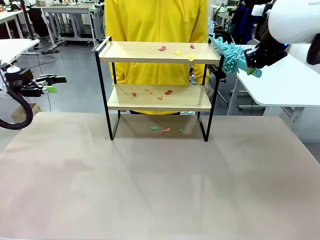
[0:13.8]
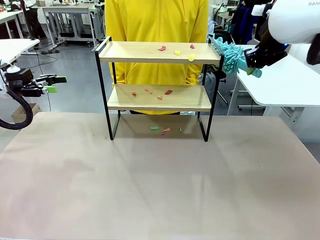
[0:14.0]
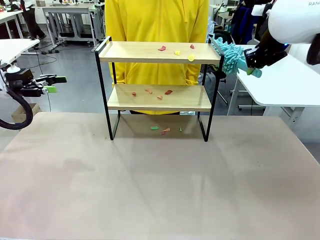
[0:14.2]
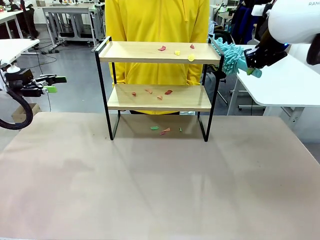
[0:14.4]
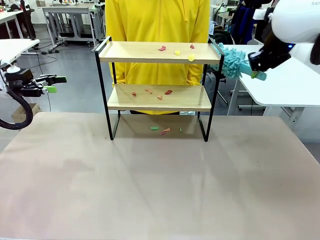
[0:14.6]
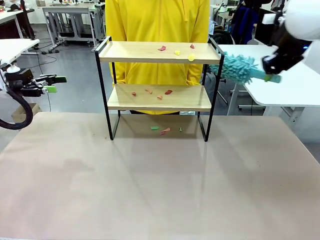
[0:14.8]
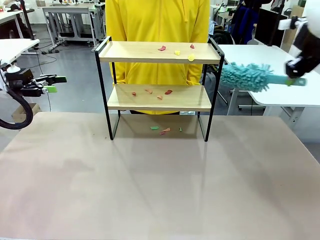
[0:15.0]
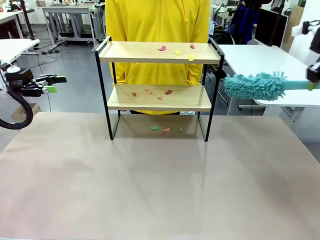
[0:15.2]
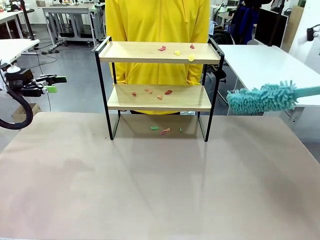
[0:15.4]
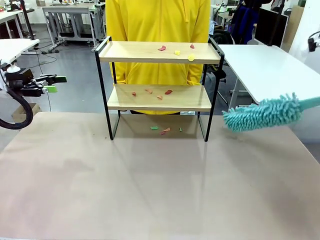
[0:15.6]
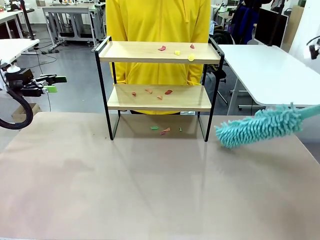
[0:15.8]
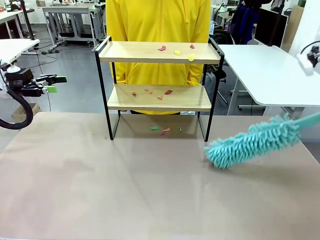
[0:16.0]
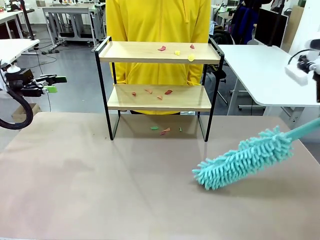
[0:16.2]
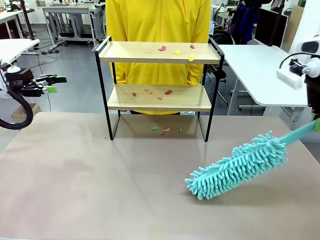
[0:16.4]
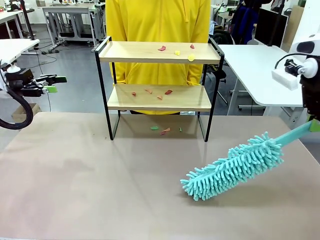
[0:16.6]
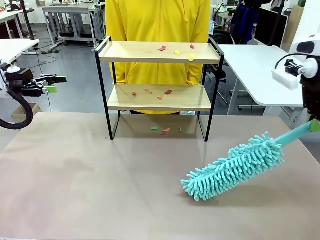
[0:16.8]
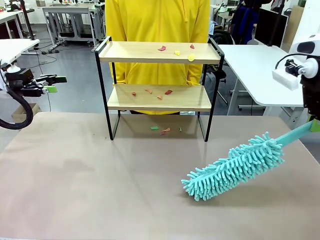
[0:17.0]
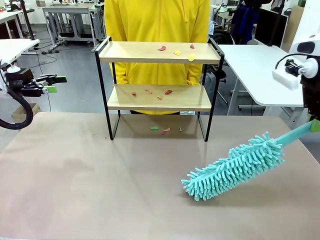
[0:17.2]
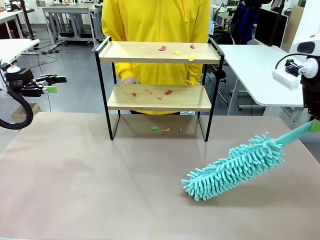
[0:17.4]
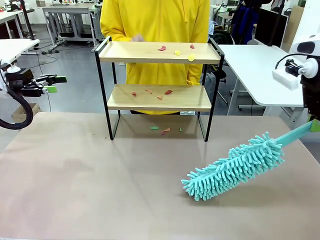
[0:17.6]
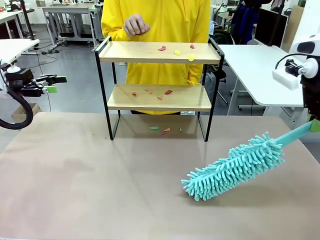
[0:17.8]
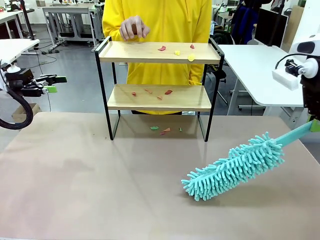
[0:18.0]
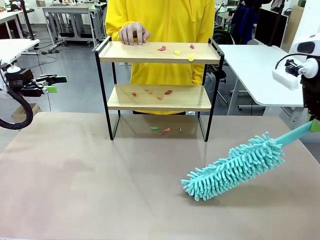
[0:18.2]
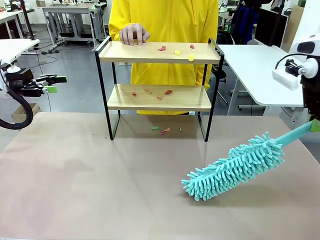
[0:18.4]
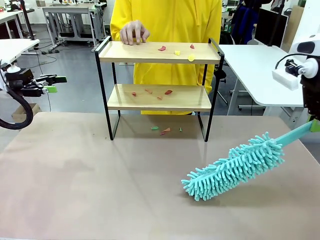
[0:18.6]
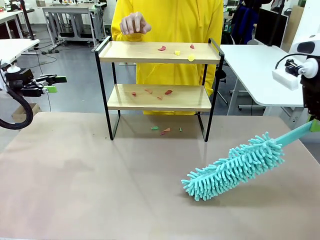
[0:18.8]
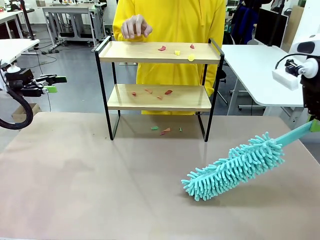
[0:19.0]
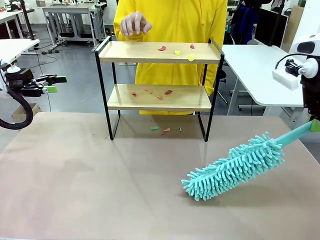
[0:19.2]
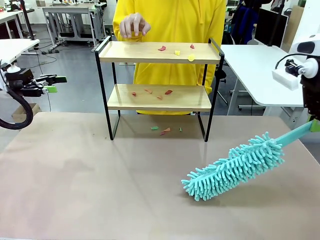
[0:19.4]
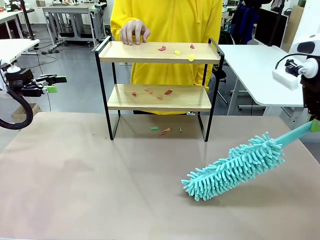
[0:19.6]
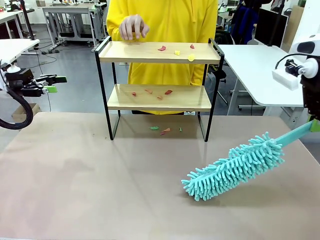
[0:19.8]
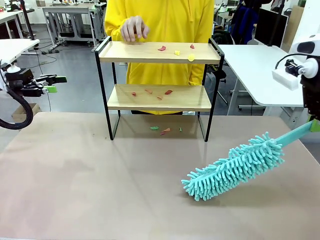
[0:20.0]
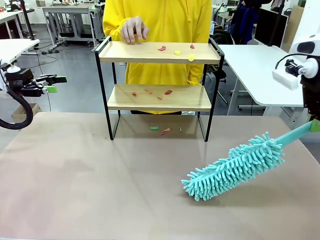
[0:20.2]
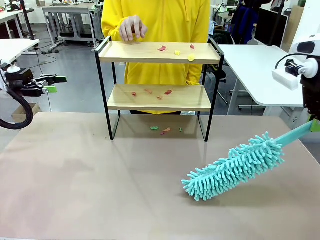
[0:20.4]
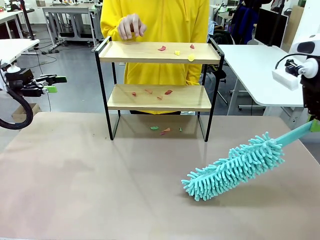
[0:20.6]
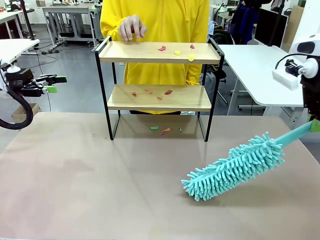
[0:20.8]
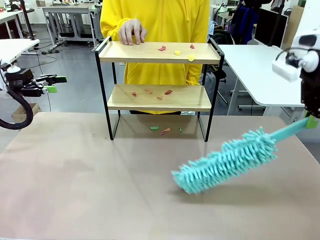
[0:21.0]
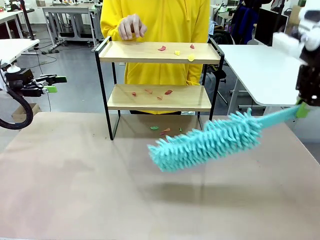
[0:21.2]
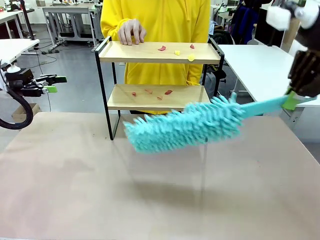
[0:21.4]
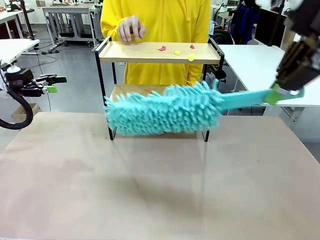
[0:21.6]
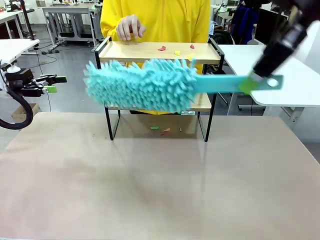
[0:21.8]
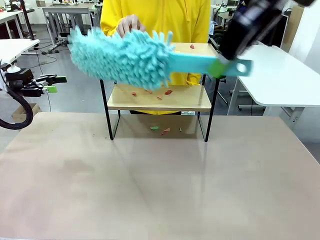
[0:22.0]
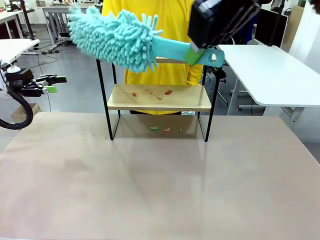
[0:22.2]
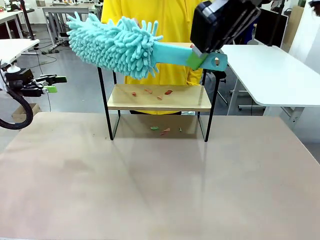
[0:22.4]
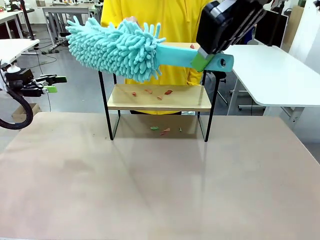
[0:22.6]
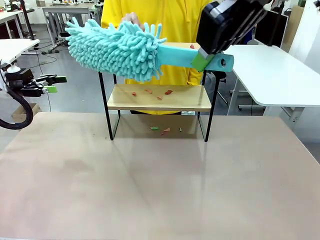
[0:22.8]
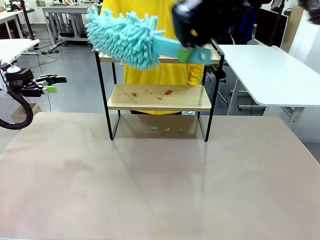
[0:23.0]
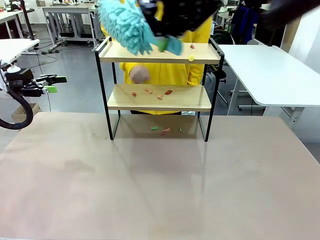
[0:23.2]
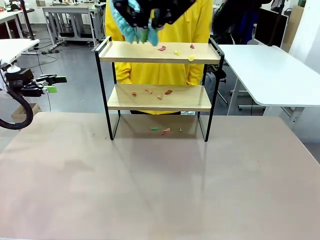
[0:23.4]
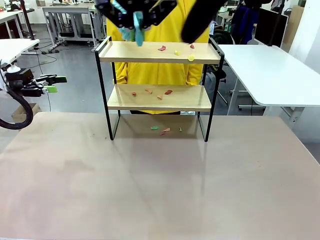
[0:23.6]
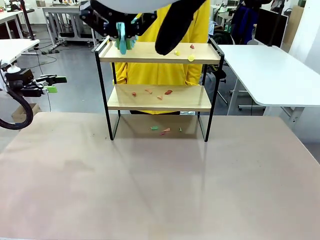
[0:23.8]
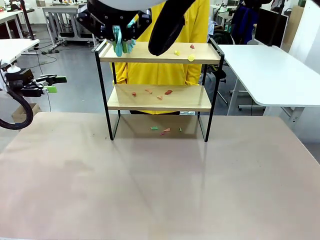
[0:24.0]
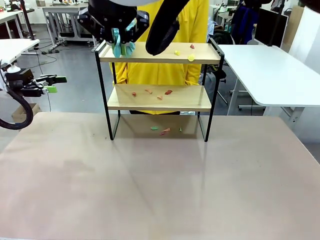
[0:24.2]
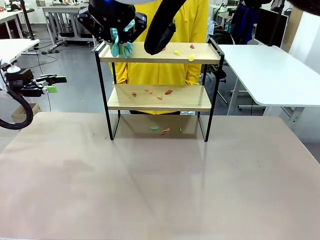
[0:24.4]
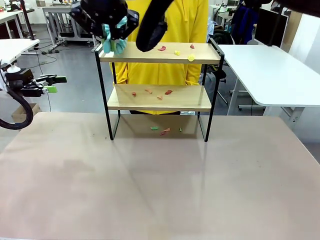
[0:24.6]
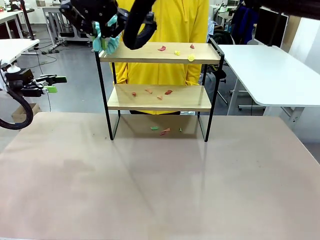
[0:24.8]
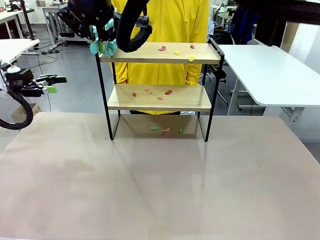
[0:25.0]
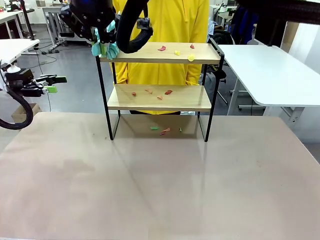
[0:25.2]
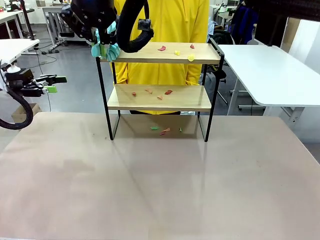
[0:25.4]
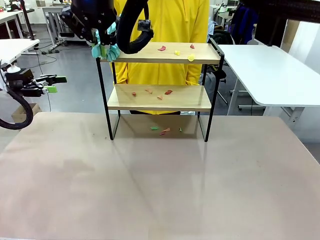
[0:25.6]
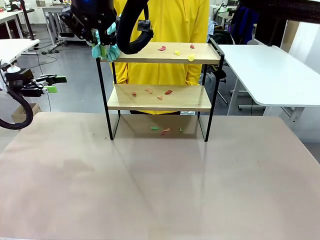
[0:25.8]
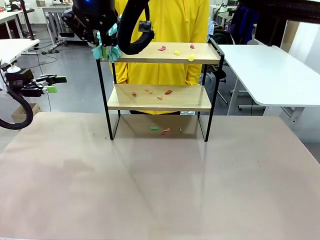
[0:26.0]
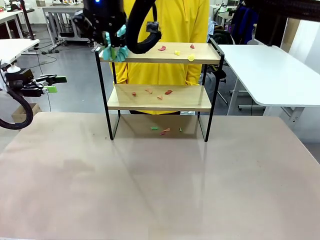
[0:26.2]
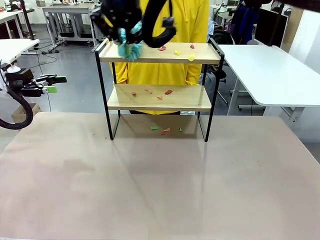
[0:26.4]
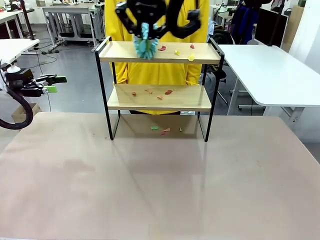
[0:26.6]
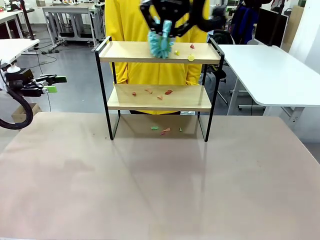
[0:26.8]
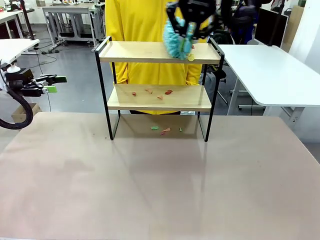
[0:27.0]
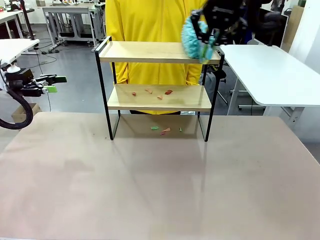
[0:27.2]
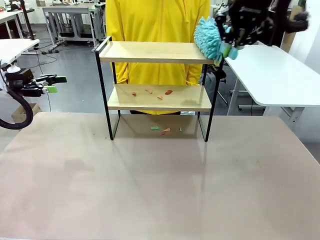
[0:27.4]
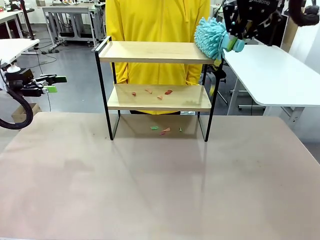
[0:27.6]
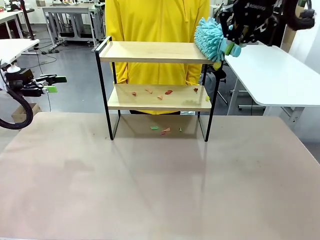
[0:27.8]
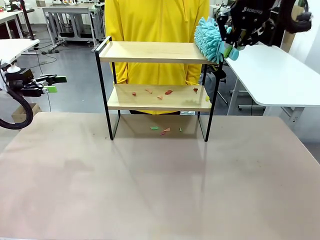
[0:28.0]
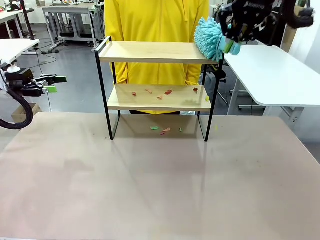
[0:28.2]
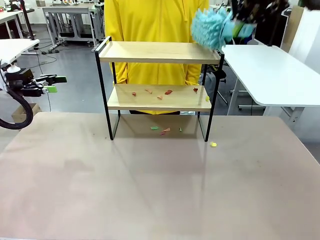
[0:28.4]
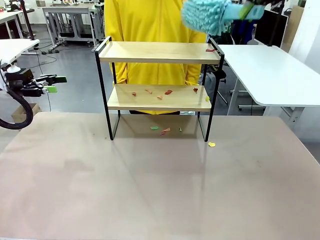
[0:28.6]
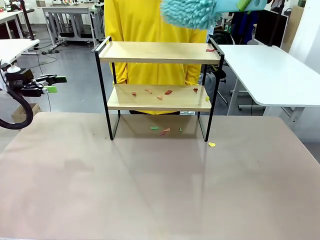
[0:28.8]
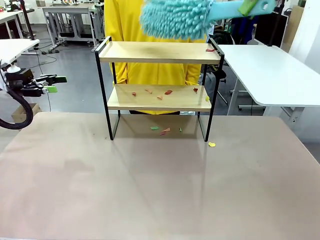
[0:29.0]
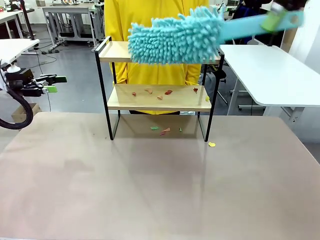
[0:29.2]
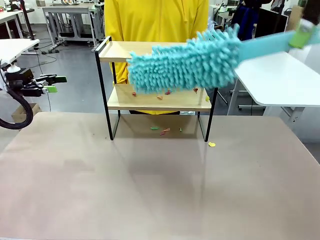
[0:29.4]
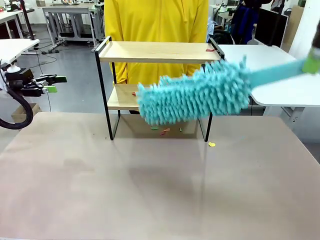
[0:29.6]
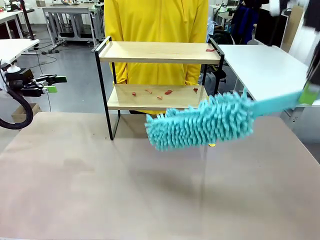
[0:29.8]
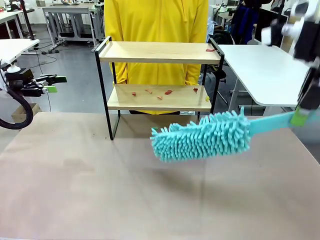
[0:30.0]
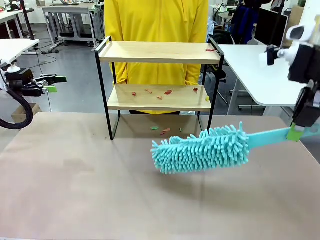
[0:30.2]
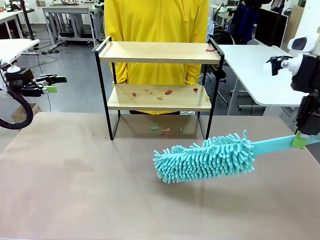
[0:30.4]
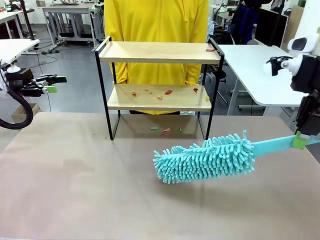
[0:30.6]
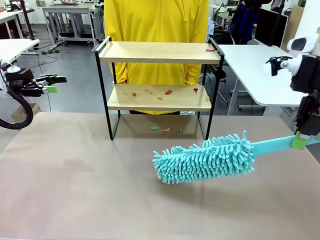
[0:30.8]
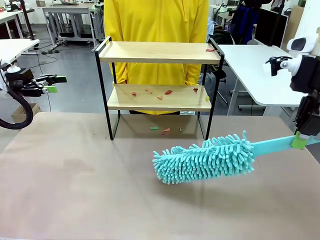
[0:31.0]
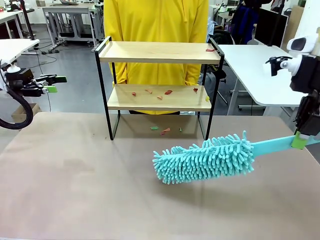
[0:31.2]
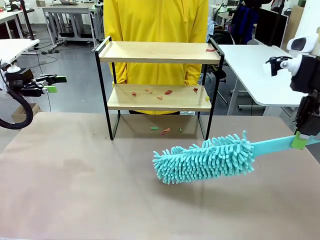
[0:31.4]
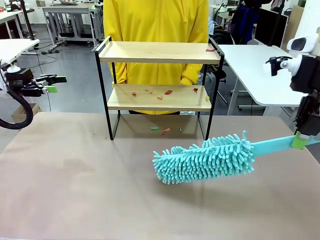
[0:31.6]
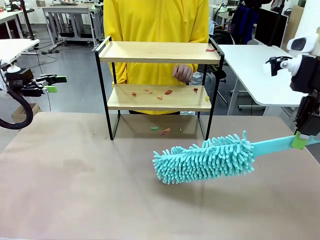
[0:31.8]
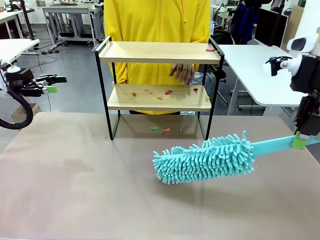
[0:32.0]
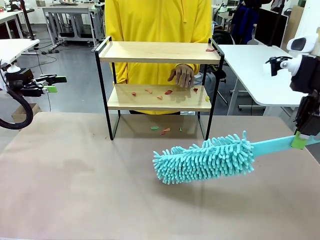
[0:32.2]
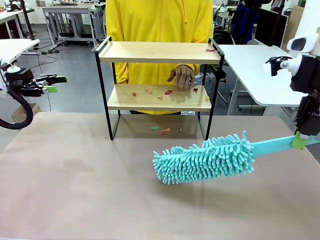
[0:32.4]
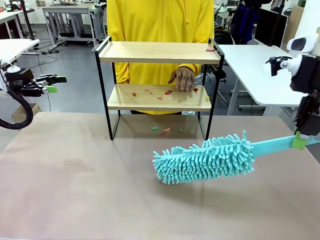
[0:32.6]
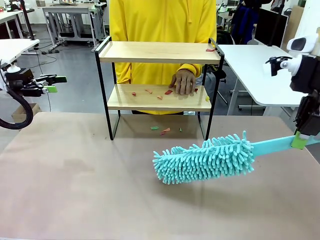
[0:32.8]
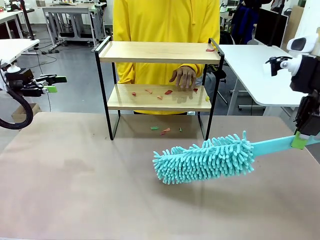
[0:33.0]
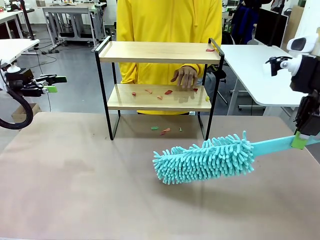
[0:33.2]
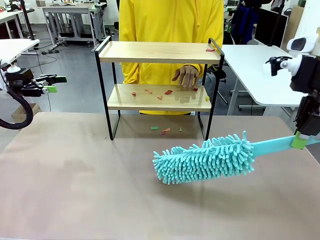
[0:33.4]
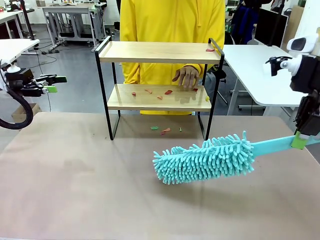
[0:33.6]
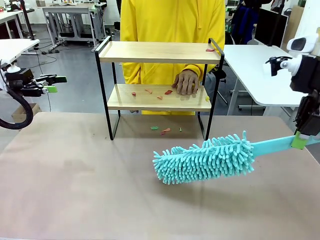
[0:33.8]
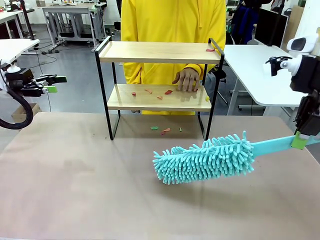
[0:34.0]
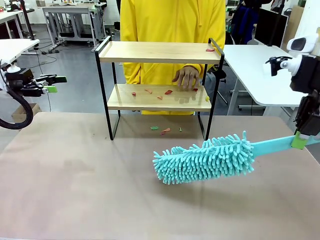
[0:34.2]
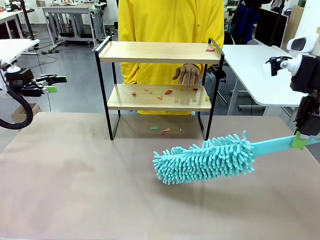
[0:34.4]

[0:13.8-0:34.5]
Task: Clean the shelf.
Robot: Clean the specific section of the Shelf indicated by the human with the Duster.
Person: Point a random section of the Shelf.
